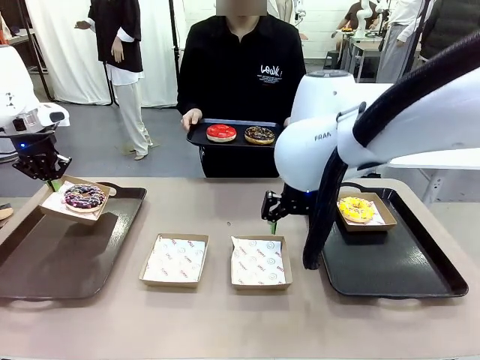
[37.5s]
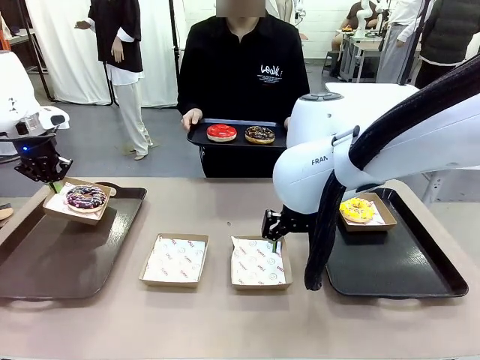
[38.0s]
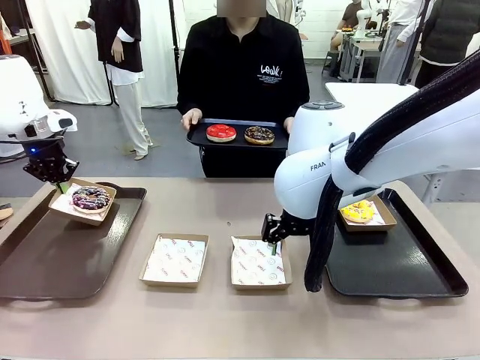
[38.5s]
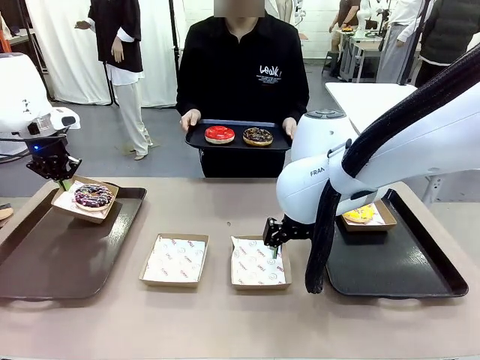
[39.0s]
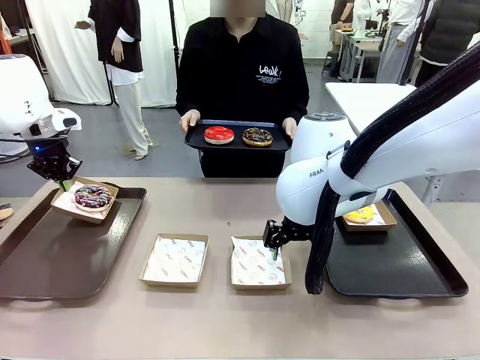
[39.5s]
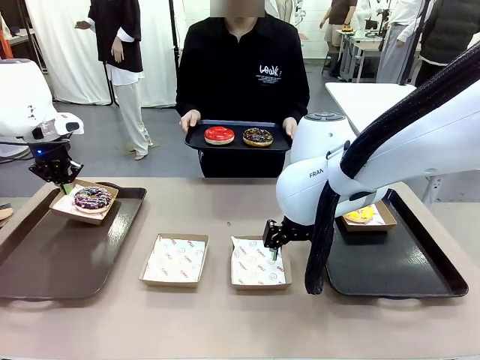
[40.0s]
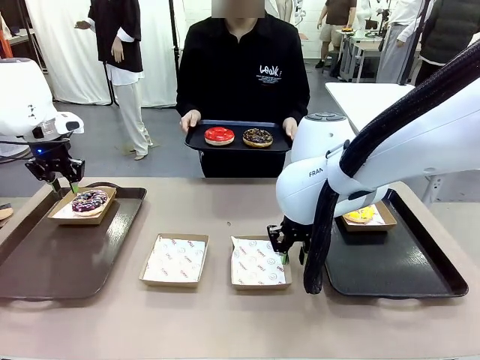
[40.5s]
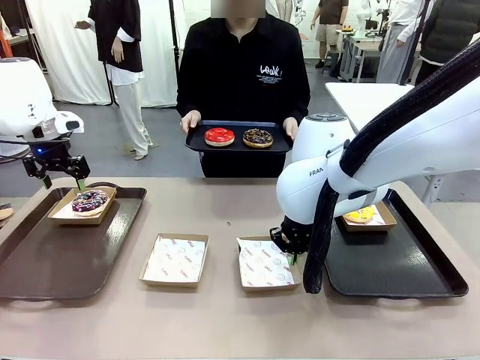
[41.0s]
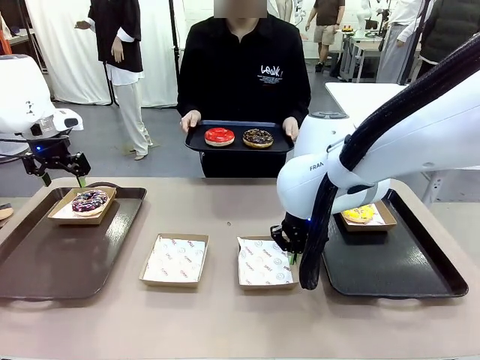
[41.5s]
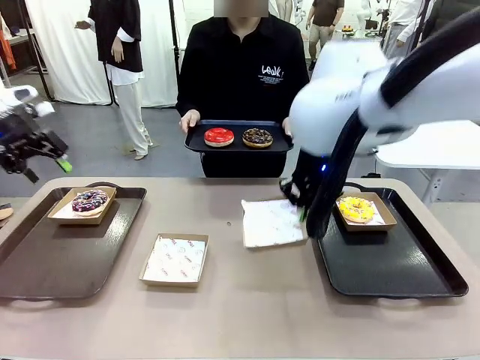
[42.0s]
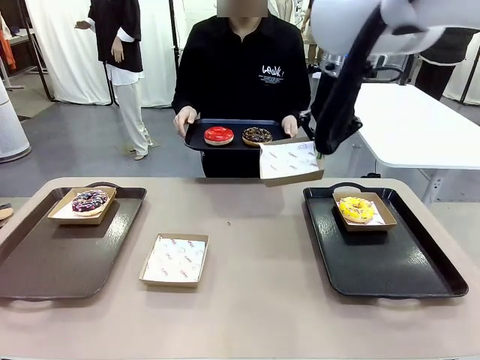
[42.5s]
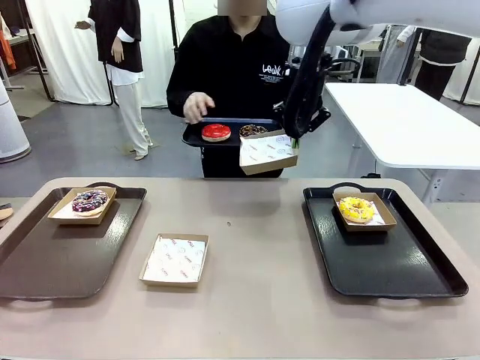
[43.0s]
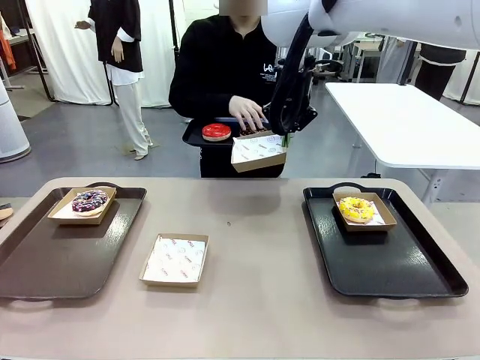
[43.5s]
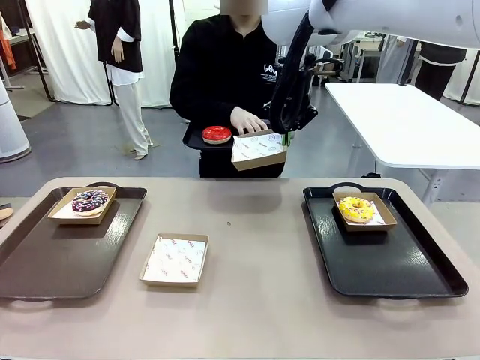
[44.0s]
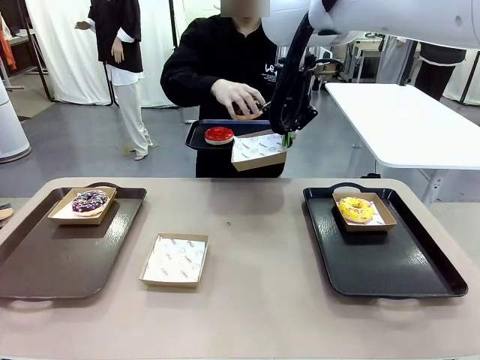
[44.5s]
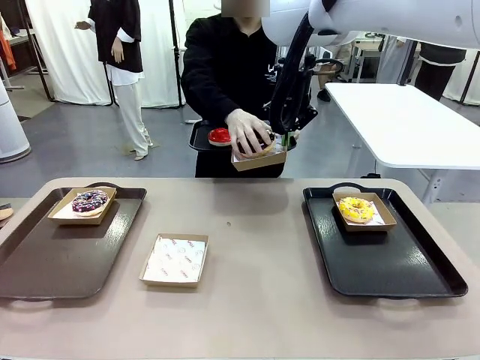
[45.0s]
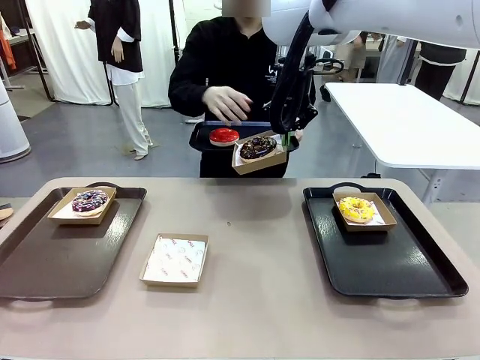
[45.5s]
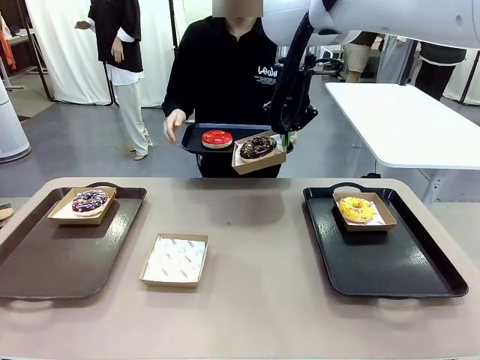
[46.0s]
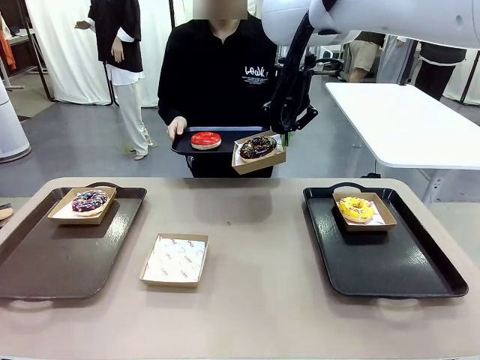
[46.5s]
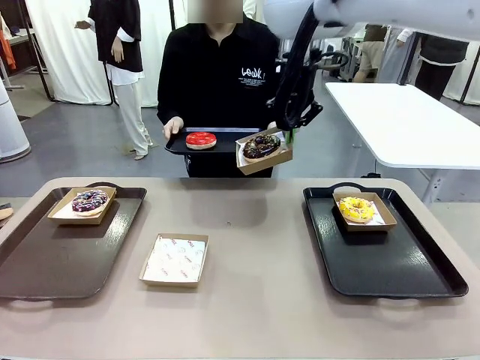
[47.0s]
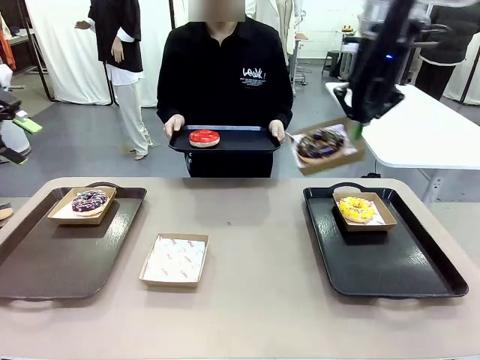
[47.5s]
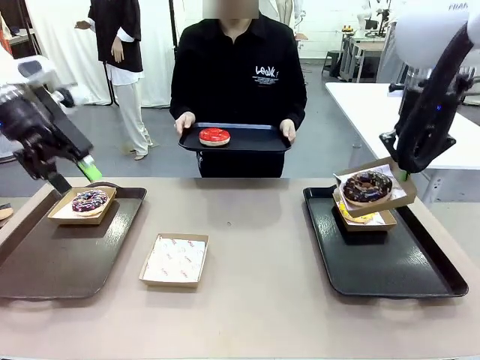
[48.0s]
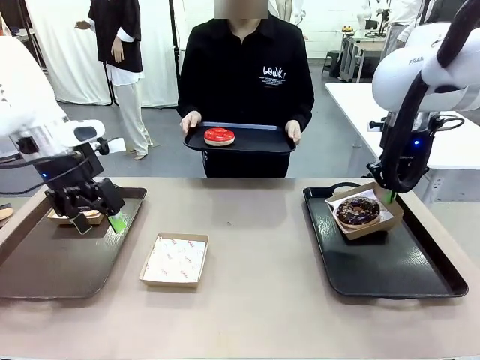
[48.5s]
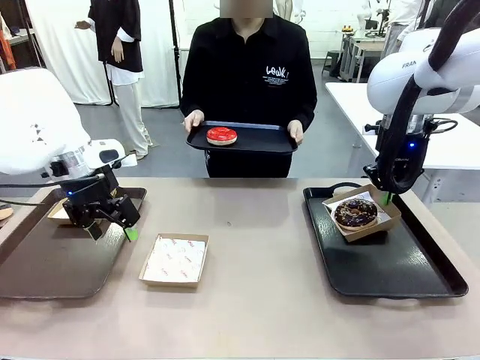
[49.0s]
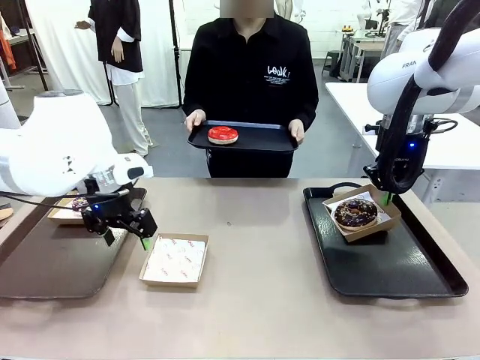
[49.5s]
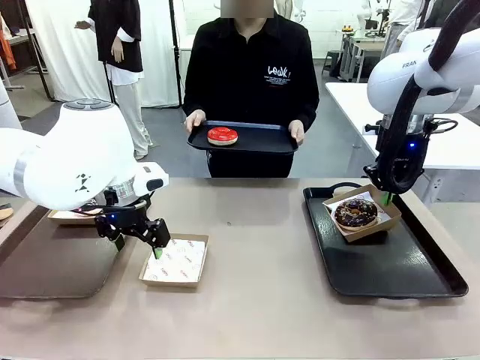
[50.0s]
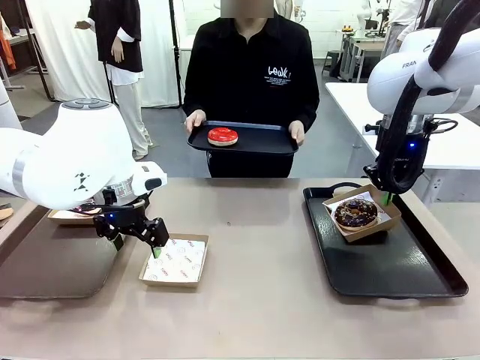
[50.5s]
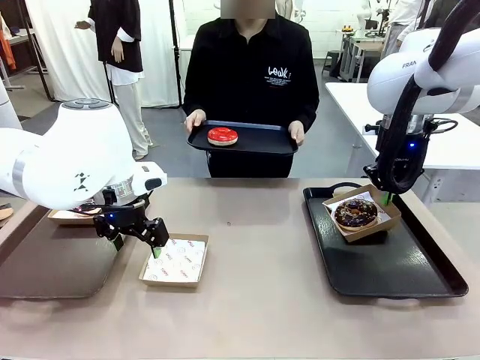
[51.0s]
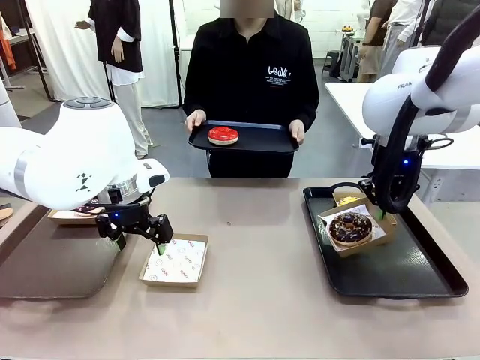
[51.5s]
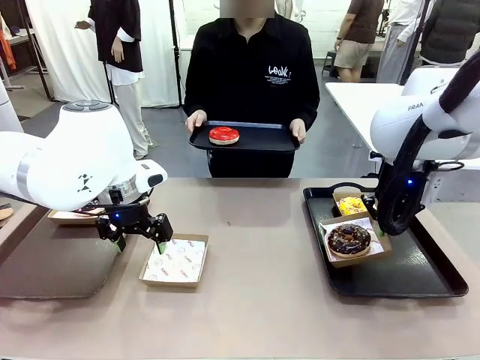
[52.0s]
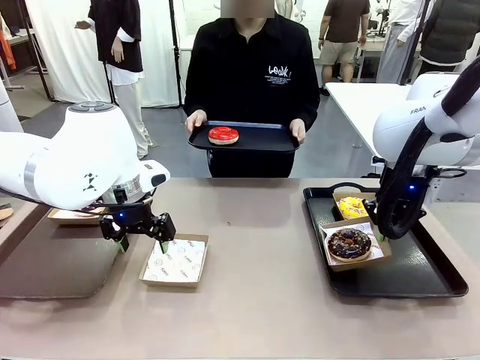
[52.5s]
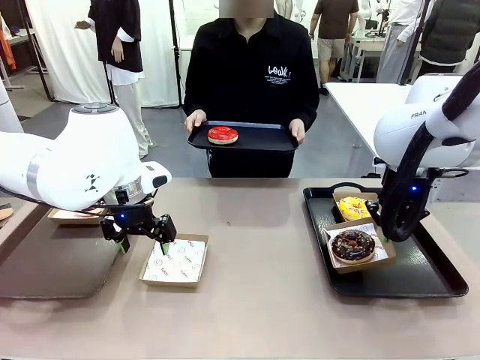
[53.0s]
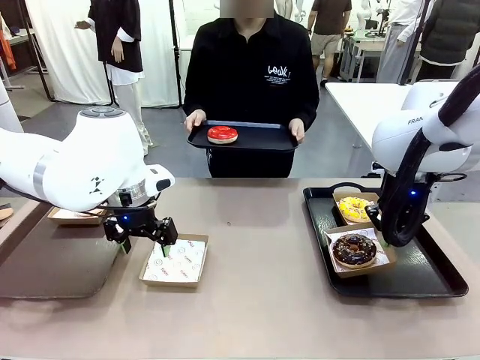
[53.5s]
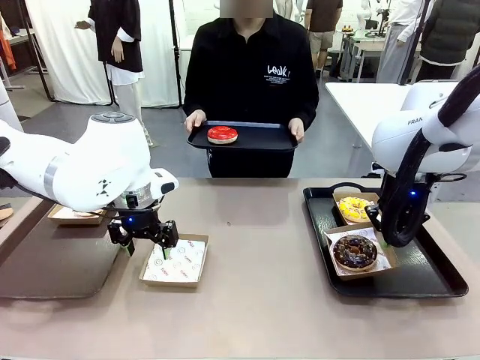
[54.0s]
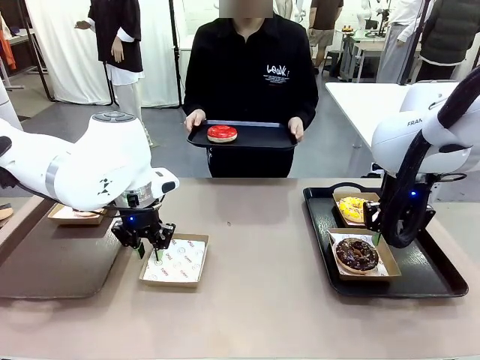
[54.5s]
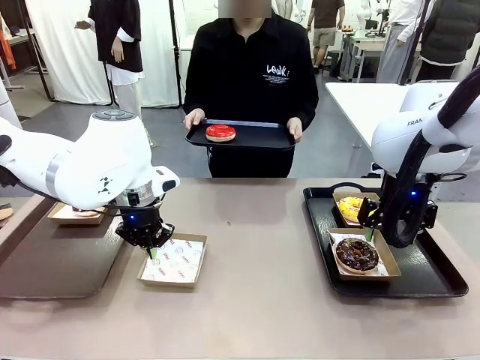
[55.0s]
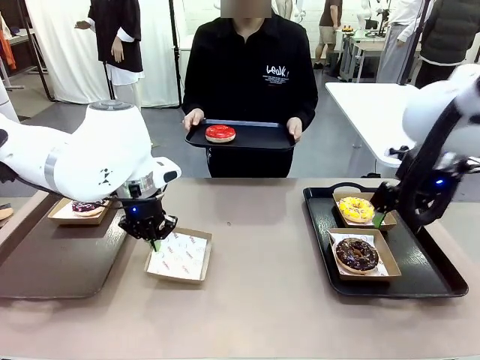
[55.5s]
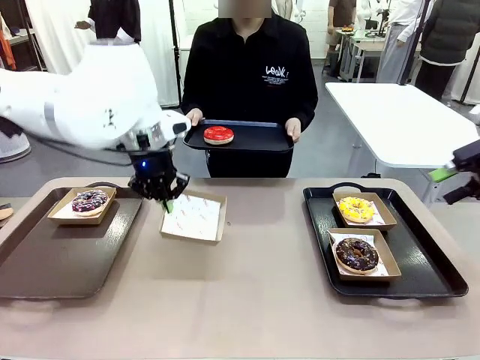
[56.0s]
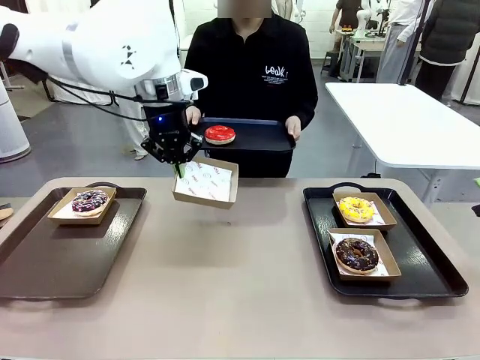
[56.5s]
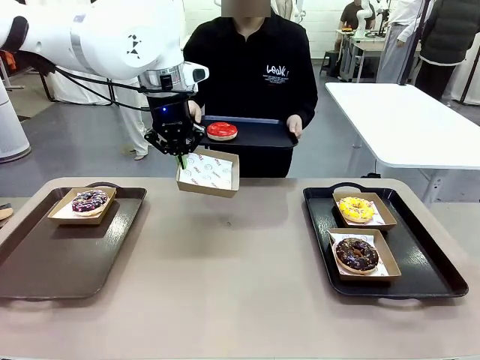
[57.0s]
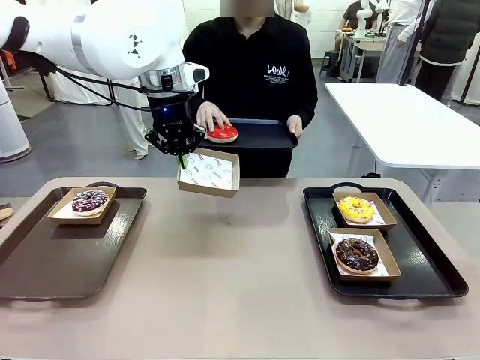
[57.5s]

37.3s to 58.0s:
Task: Individually package the donuts and arrange them on the tray.
Robot: Place the picked Paper togo box on the Handle tray while simultaneously picking up another Paper togo box from the table with the other hand.

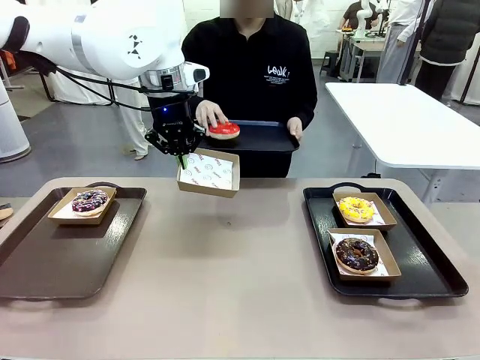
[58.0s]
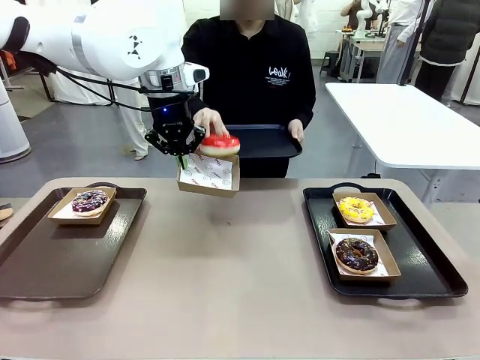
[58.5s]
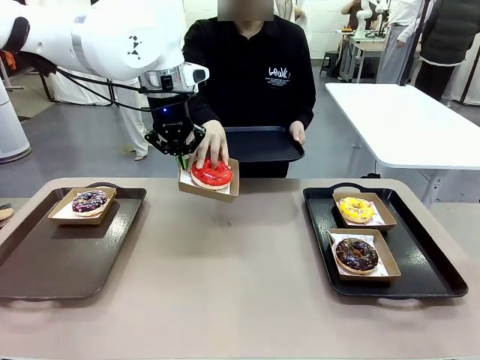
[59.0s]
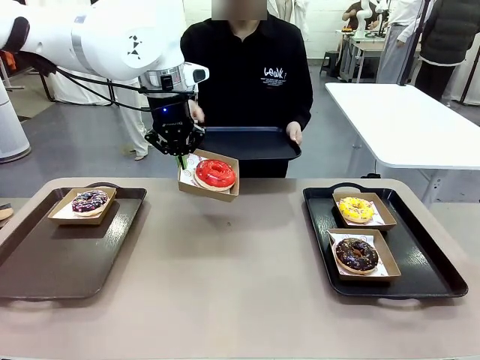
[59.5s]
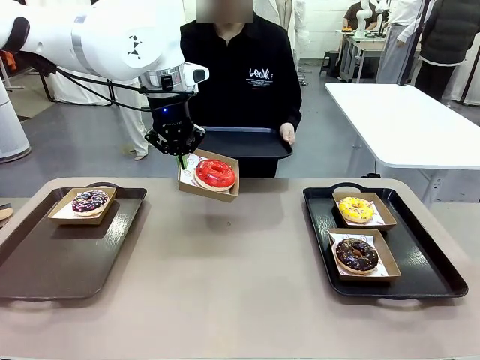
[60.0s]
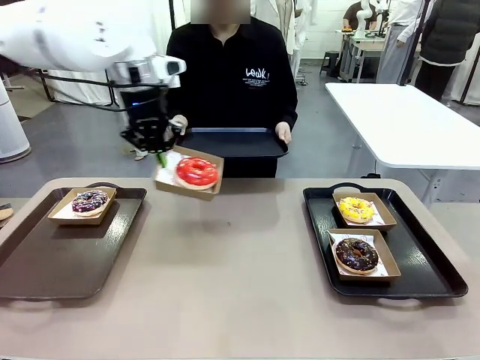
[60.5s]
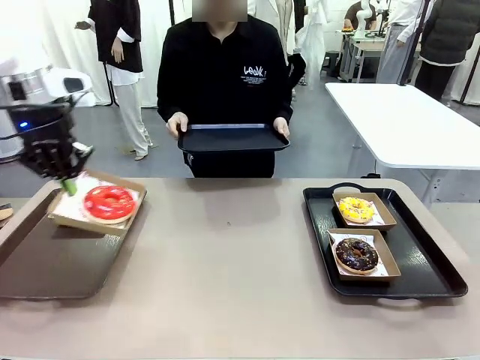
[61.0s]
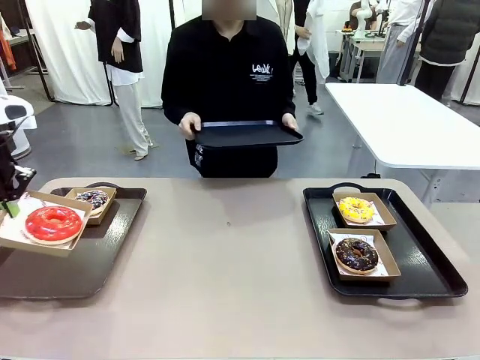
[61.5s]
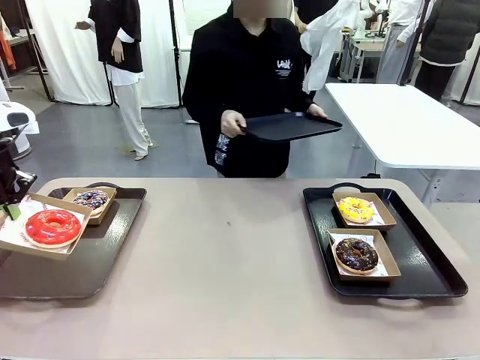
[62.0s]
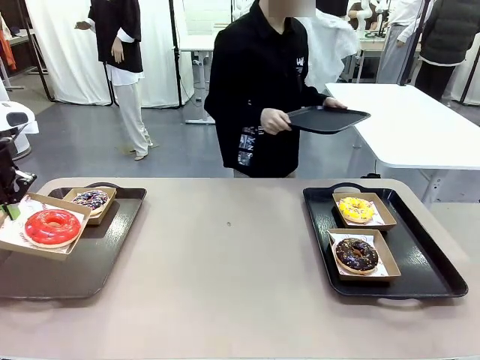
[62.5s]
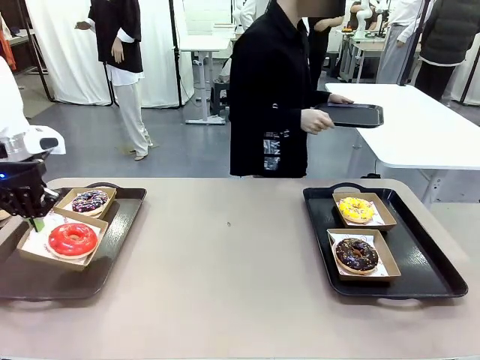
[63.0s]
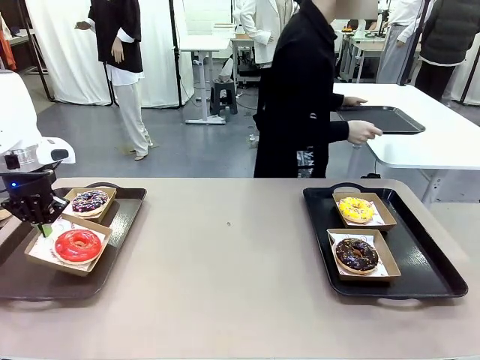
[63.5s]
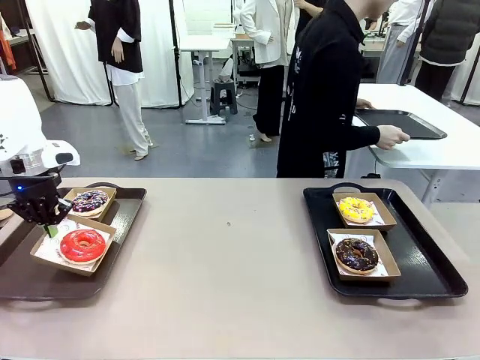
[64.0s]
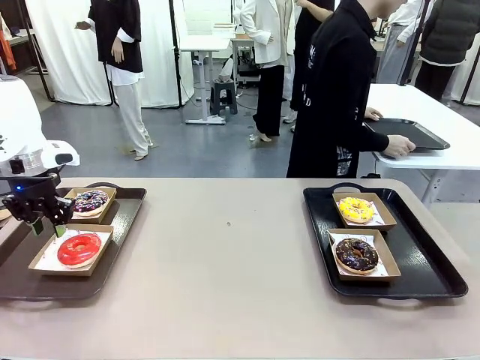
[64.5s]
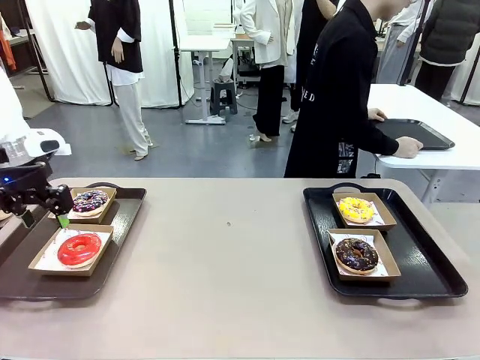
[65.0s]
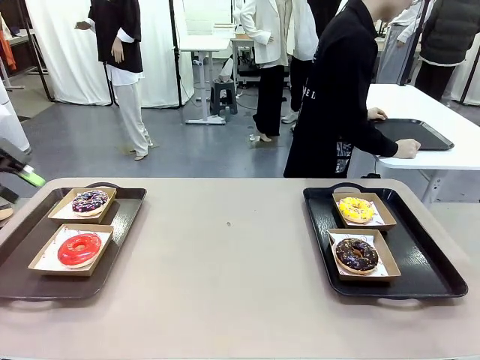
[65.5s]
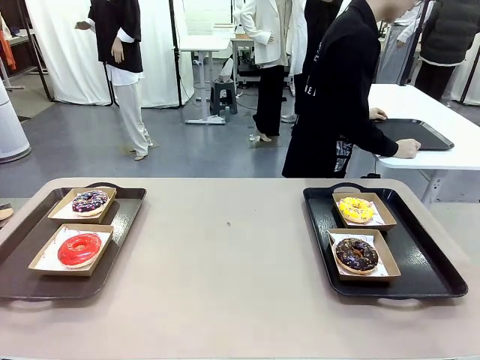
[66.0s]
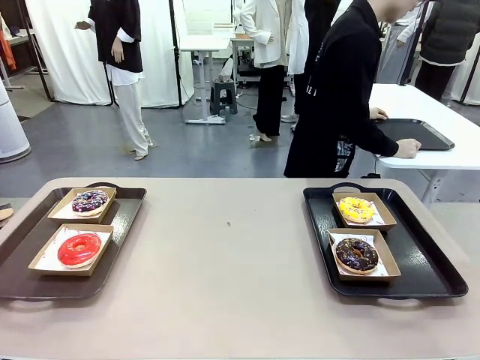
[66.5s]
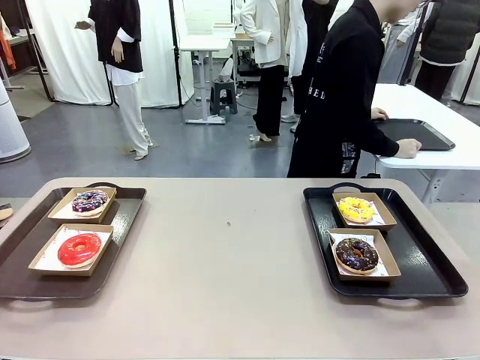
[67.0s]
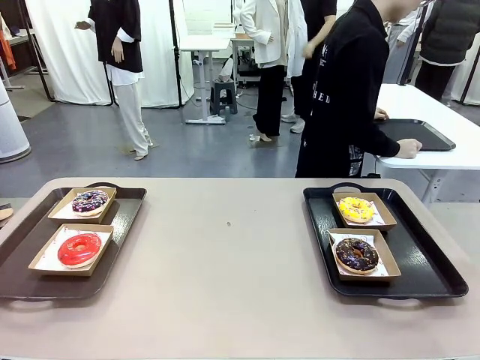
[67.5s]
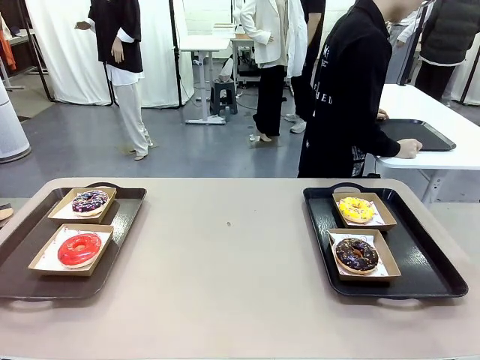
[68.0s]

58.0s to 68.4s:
Robot: Place the picked Paper togo box on the Handle tray.
Person: Place the tray down in the middle of the human table.
